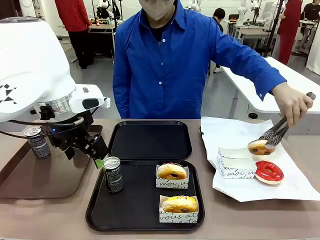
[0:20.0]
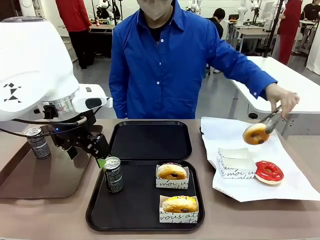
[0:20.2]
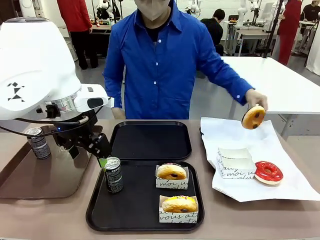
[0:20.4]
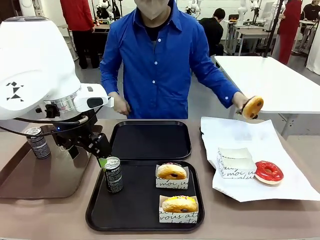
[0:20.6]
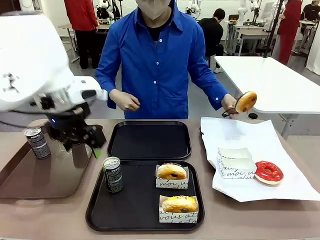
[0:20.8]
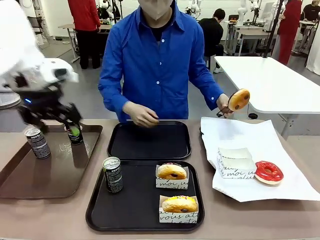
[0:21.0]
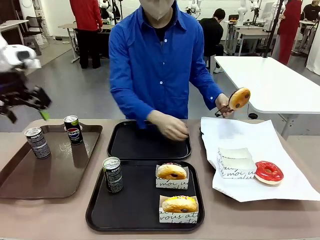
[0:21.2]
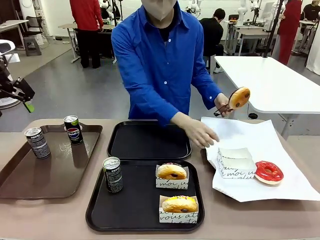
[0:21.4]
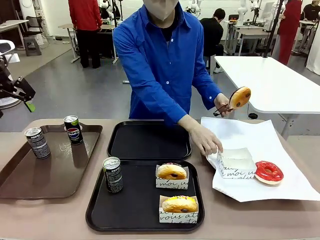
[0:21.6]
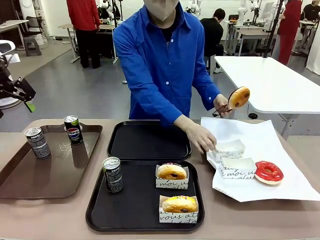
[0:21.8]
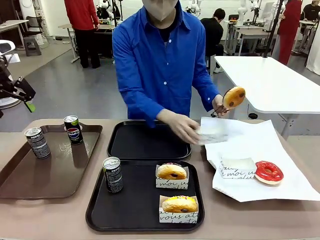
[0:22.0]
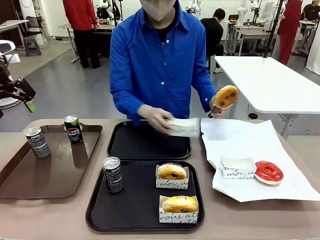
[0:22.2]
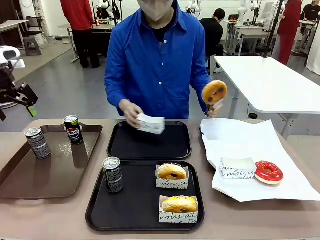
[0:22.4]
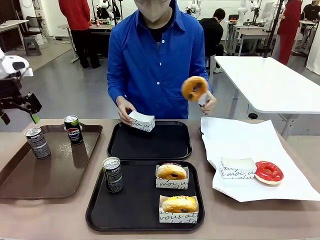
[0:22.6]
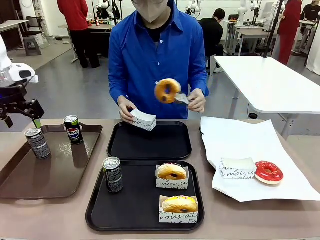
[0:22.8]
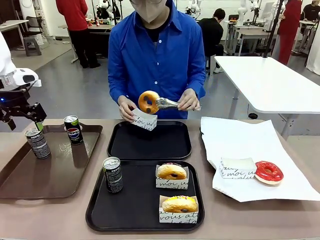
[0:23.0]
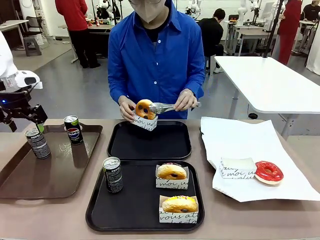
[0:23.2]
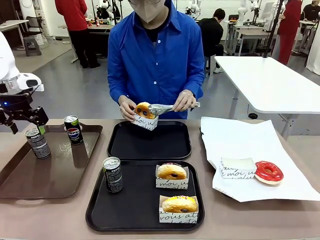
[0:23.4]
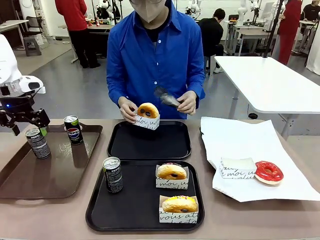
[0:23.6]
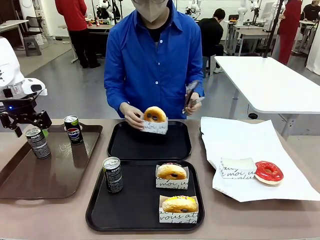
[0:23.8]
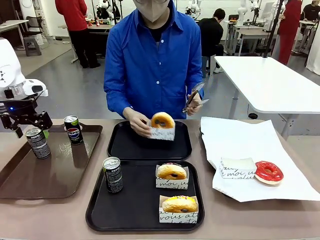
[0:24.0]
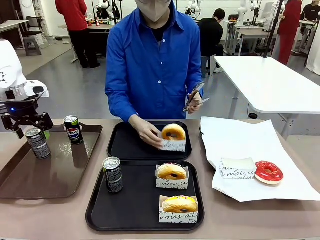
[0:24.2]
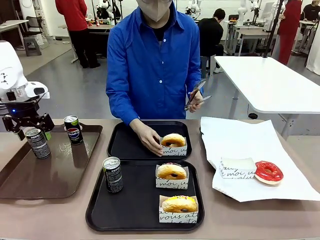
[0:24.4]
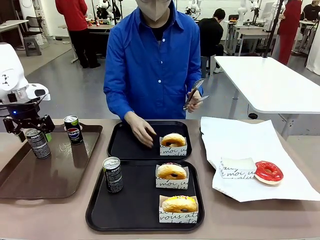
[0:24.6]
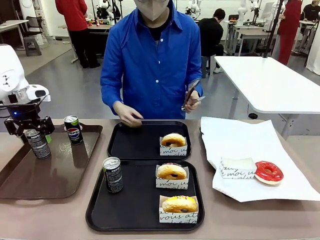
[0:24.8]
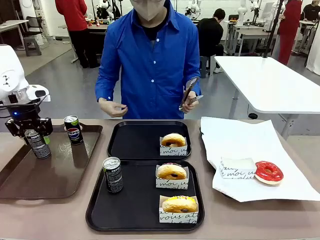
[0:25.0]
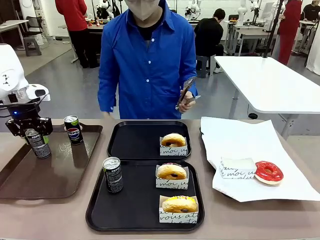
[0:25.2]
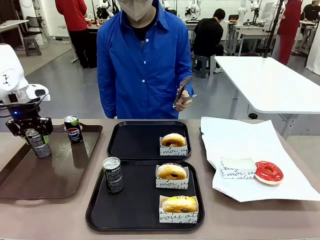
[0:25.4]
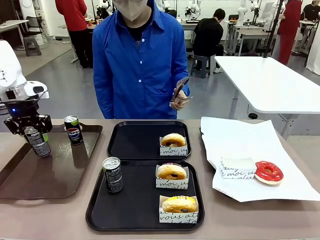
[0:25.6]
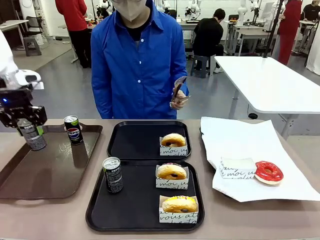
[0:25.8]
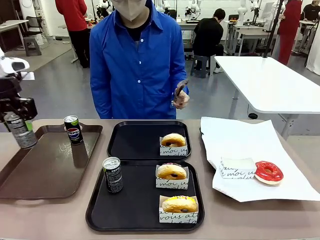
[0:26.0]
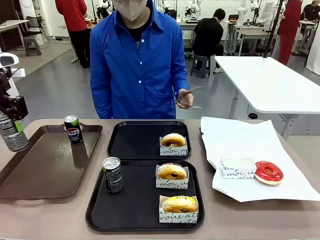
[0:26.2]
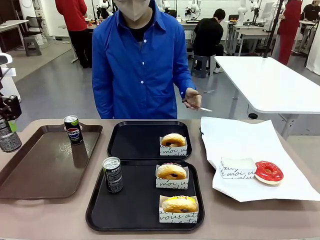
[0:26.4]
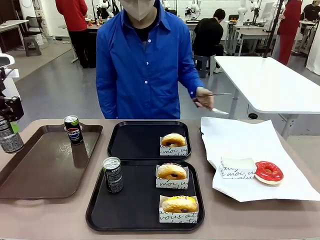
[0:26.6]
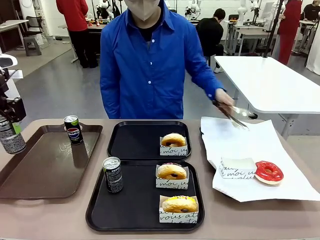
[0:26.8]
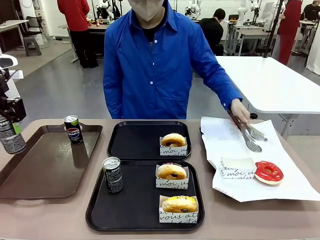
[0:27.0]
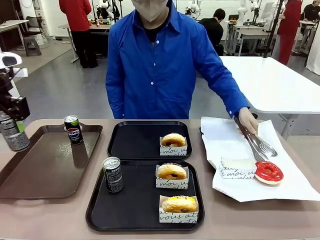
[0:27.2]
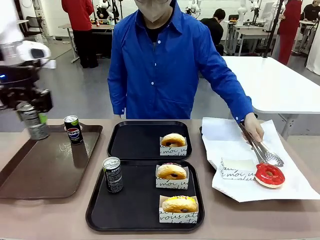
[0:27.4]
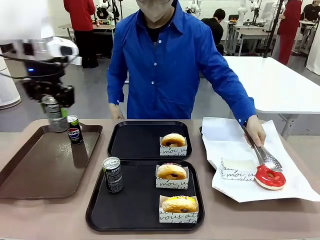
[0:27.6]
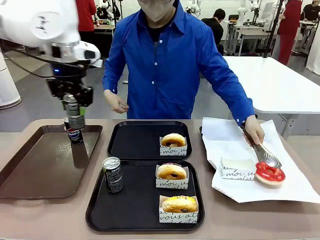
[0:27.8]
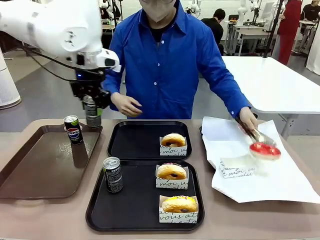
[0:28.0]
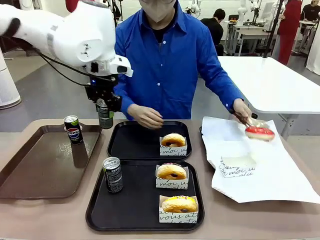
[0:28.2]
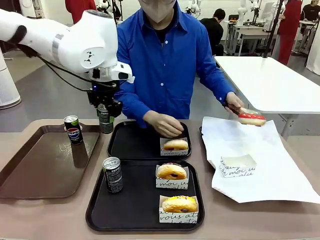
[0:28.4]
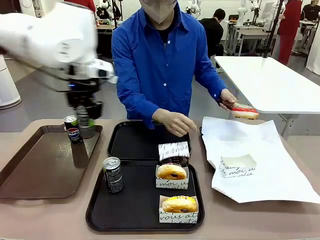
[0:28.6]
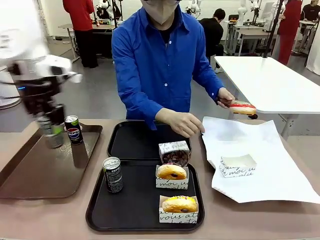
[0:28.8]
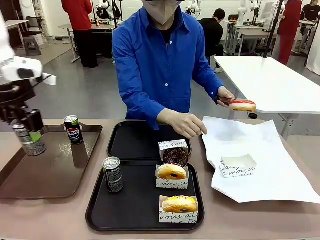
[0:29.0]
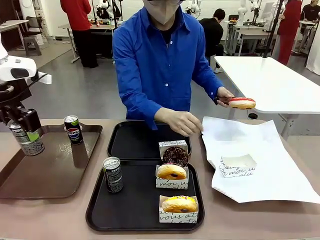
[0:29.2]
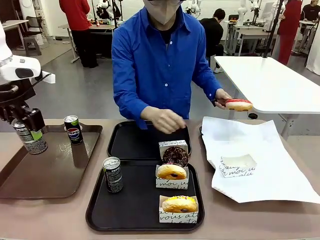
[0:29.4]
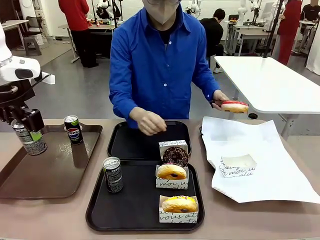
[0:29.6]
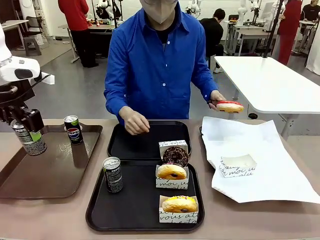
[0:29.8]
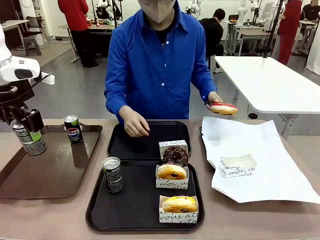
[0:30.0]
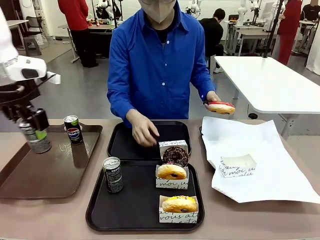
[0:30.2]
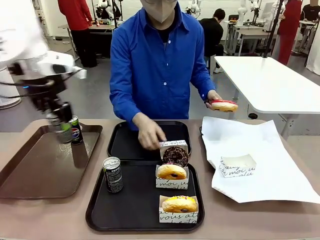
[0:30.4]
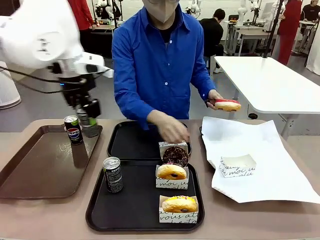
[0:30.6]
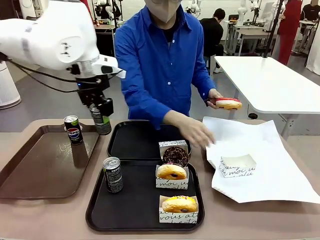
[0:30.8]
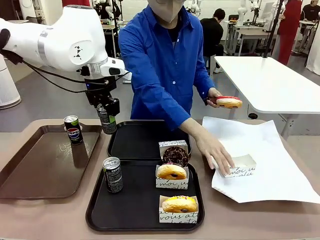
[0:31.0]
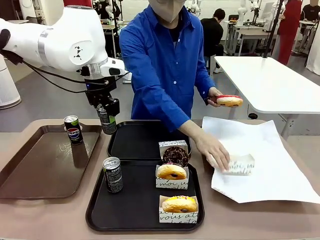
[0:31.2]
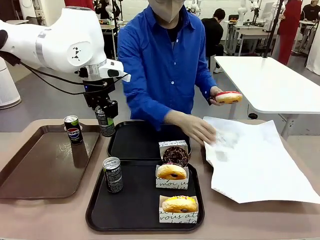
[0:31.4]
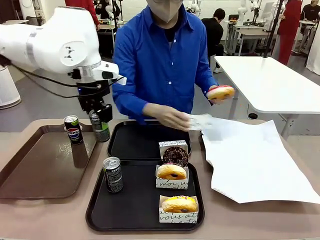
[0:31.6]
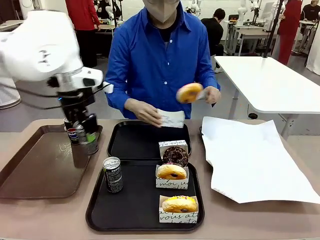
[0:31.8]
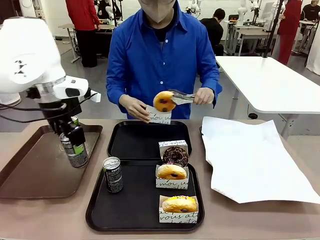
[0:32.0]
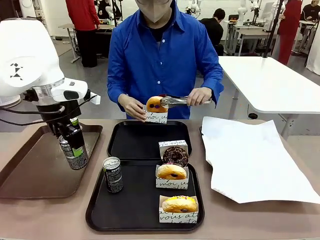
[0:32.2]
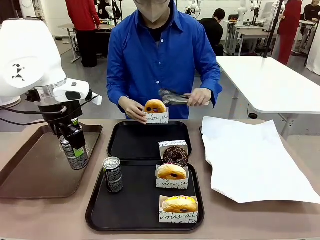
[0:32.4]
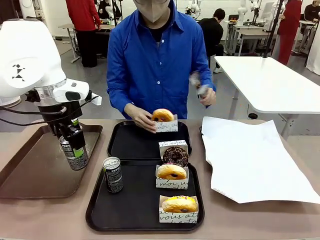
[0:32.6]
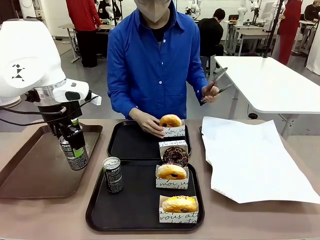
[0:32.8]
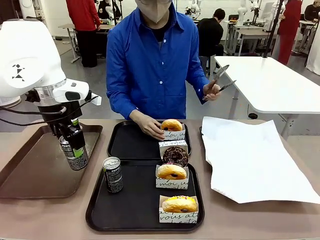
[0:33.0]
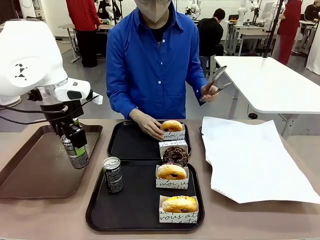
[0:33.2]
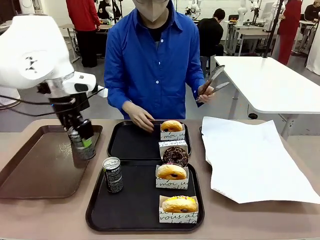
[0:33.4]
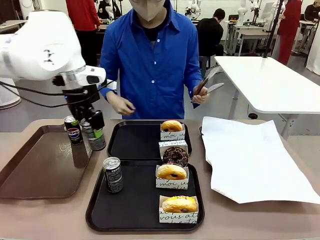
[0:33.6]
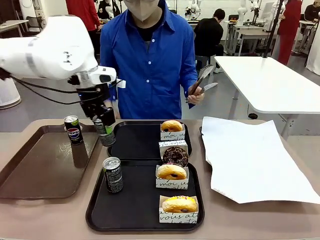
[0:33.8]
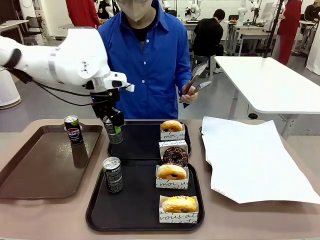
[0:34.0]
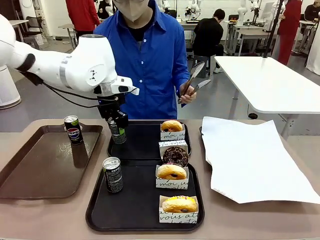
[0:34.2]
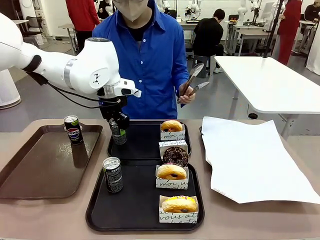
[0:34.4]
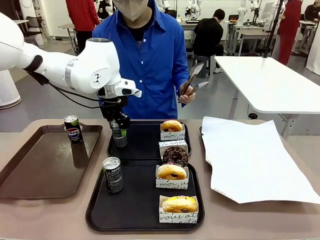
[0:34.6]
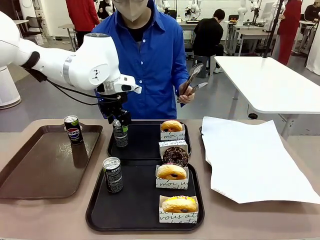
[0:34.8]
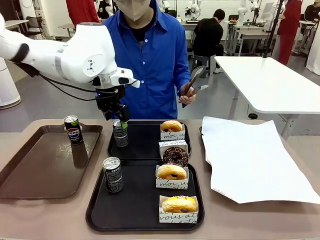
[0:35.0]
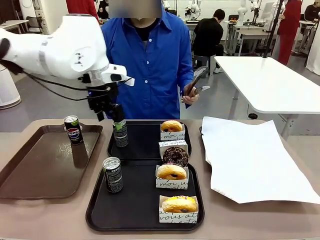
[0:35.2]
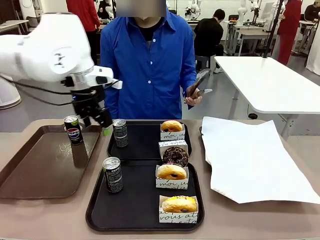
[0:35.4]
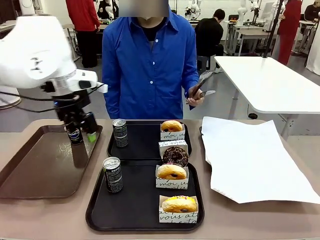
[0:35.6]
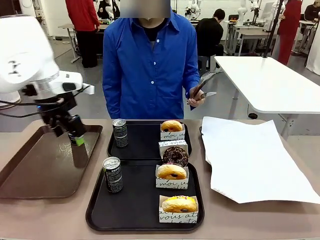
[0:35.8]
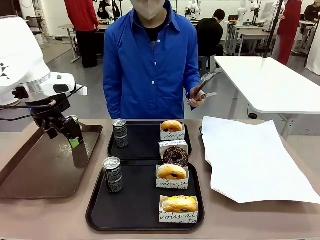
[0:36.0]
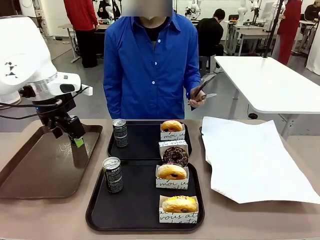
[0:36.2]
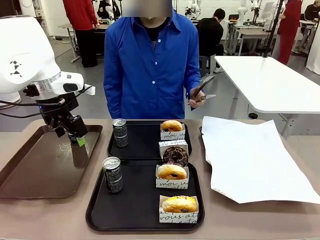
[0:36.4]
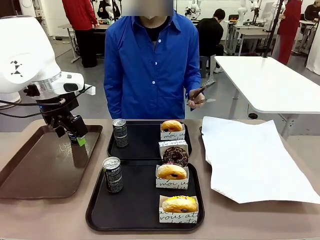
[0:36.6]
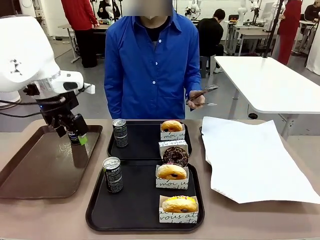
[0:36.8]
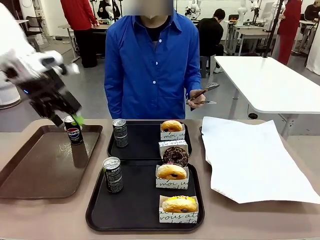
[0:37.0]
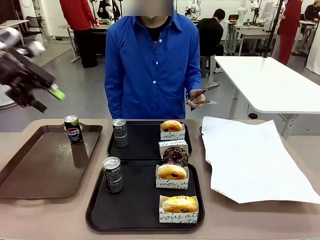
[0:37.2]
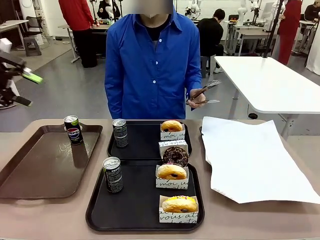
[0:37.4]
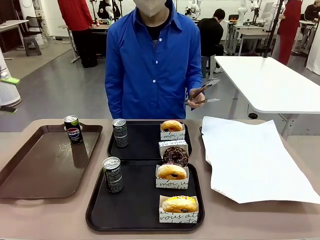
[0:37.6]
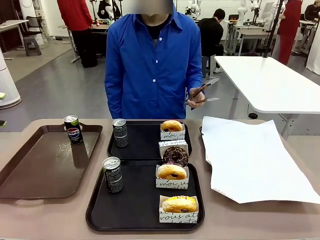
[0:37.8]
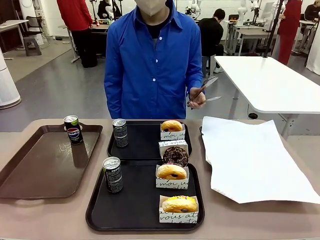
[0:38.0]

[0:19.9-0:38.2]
Task: Set up donuts and drinks on trays.
Robot: Pick up one Pepsi coke from the Handle tray and place it on the Flat Tray without a Pepsi coke.
